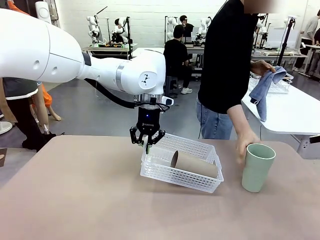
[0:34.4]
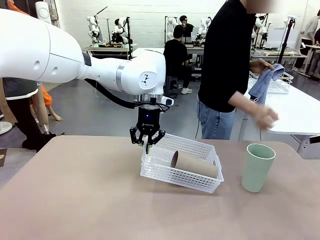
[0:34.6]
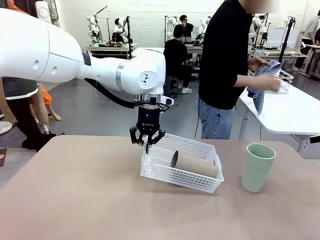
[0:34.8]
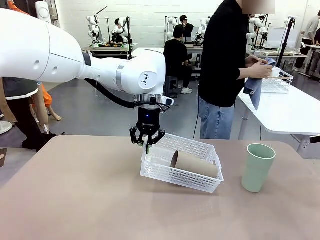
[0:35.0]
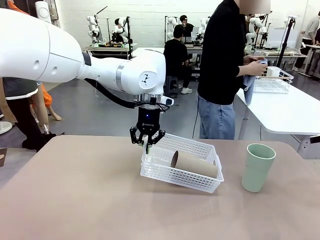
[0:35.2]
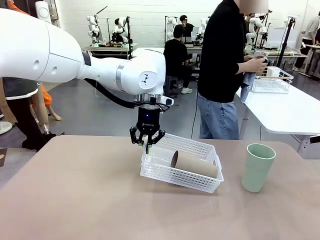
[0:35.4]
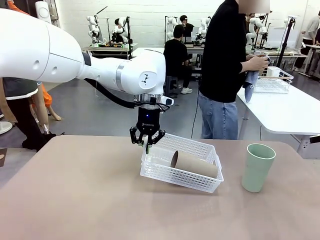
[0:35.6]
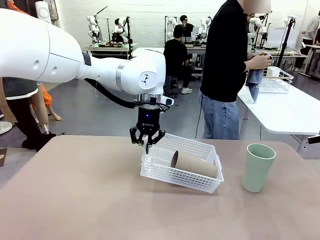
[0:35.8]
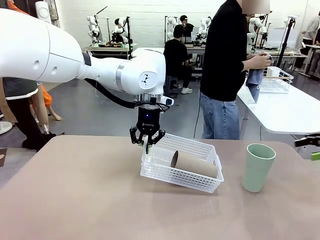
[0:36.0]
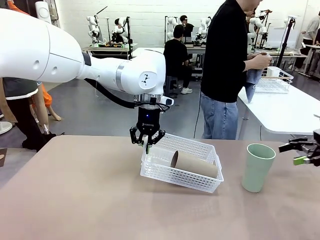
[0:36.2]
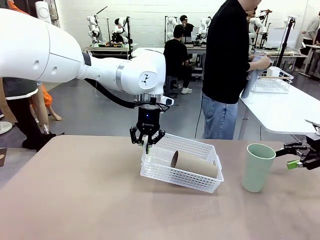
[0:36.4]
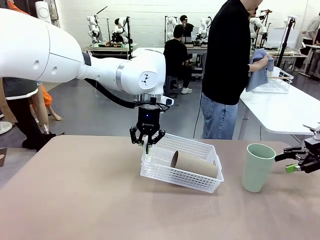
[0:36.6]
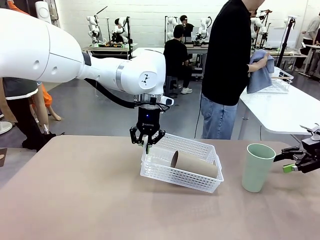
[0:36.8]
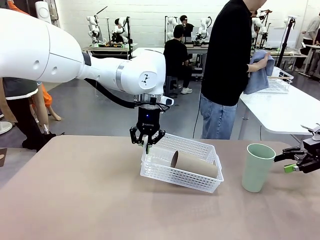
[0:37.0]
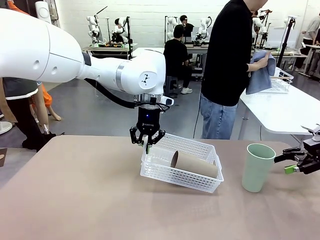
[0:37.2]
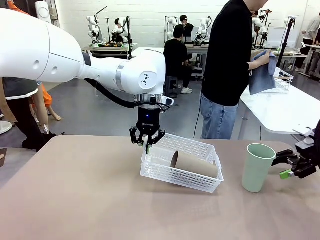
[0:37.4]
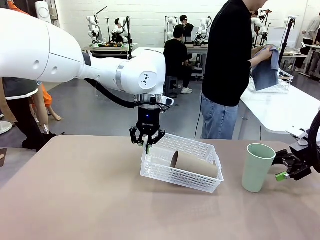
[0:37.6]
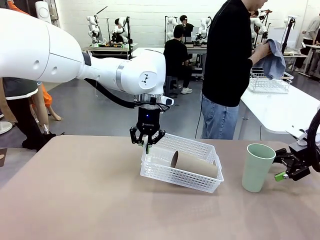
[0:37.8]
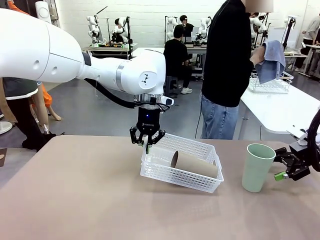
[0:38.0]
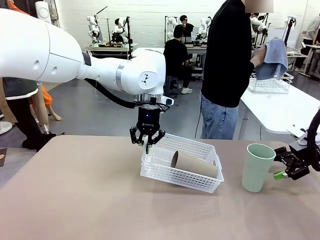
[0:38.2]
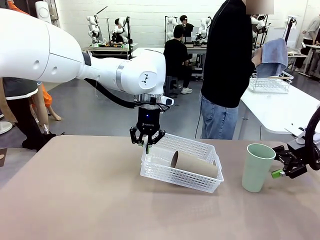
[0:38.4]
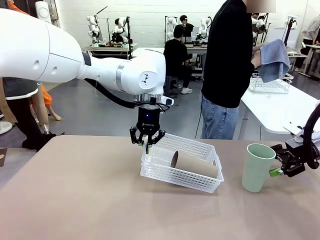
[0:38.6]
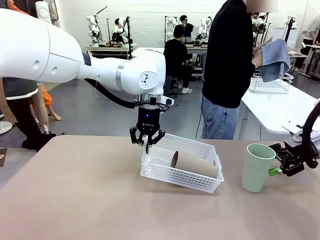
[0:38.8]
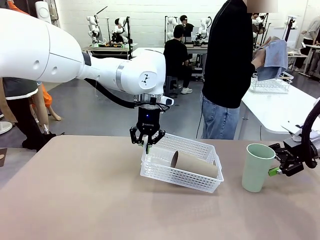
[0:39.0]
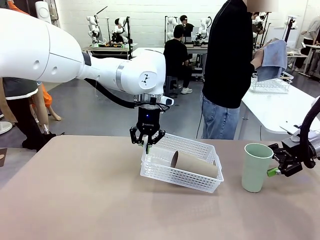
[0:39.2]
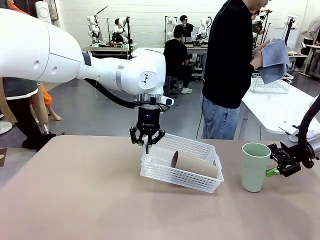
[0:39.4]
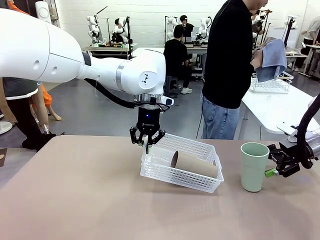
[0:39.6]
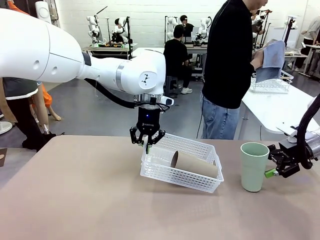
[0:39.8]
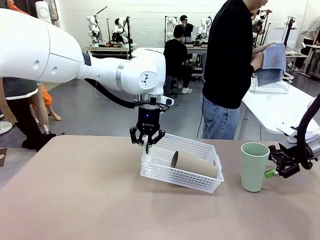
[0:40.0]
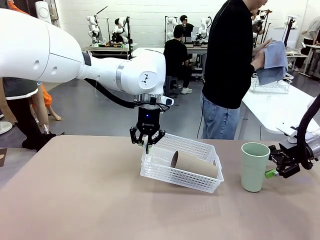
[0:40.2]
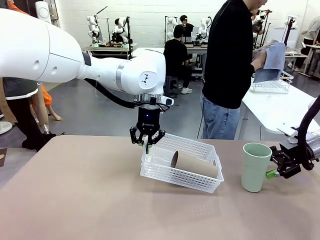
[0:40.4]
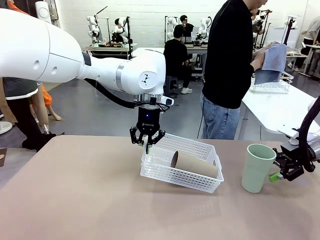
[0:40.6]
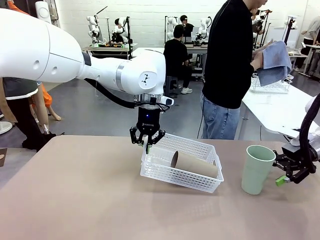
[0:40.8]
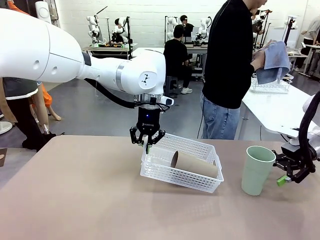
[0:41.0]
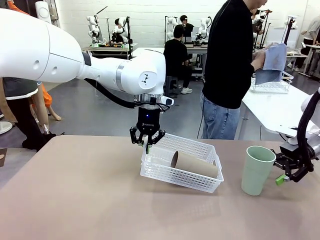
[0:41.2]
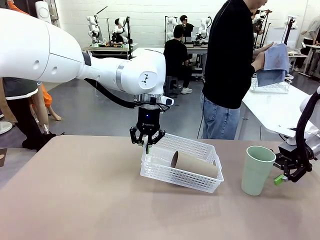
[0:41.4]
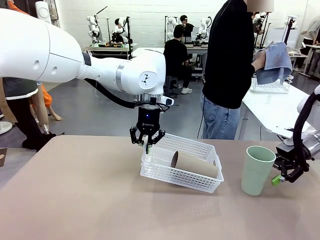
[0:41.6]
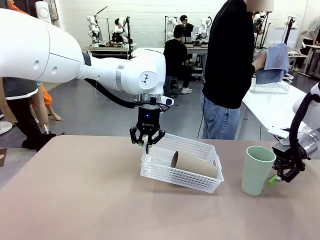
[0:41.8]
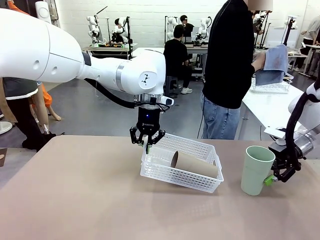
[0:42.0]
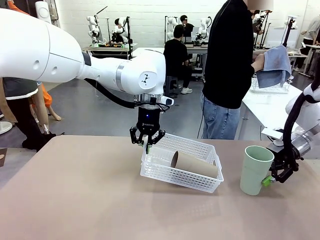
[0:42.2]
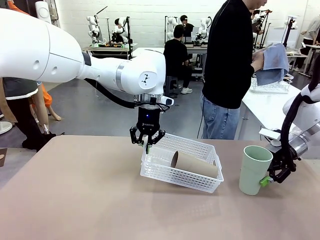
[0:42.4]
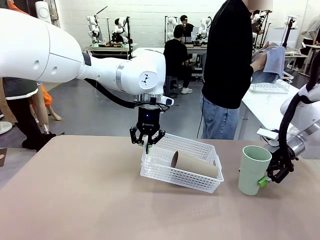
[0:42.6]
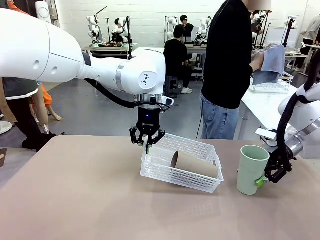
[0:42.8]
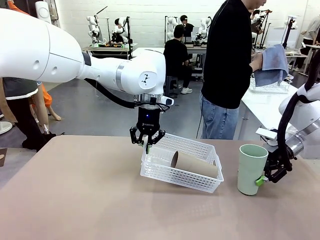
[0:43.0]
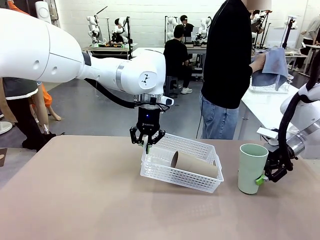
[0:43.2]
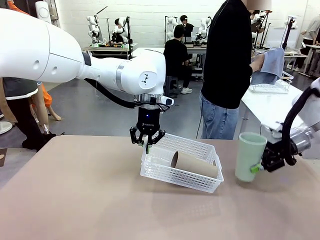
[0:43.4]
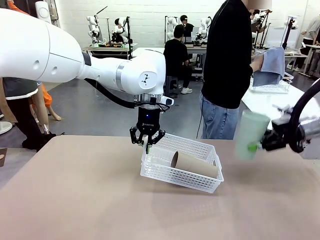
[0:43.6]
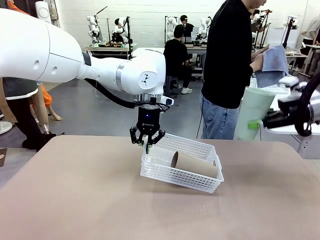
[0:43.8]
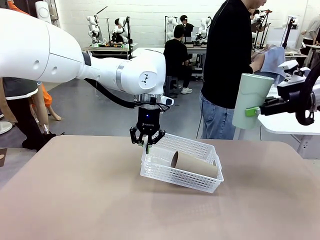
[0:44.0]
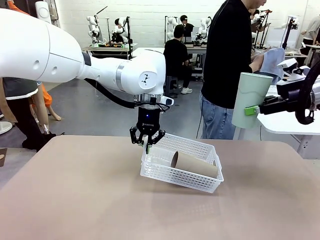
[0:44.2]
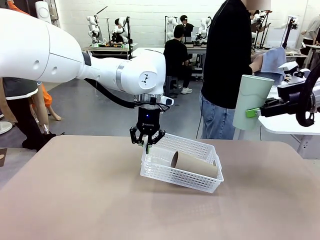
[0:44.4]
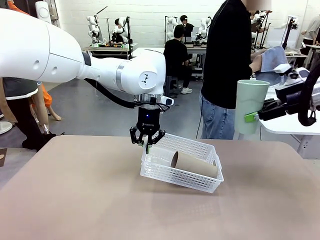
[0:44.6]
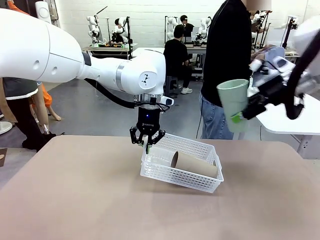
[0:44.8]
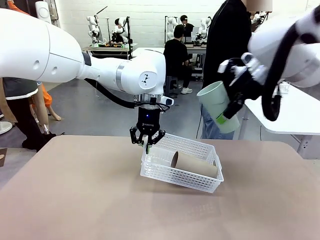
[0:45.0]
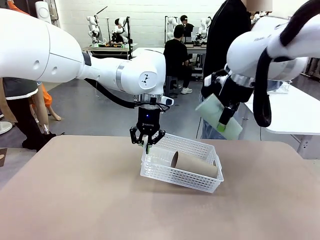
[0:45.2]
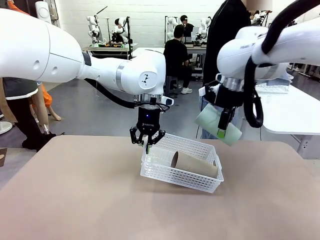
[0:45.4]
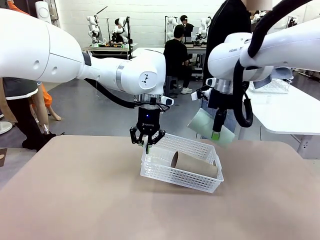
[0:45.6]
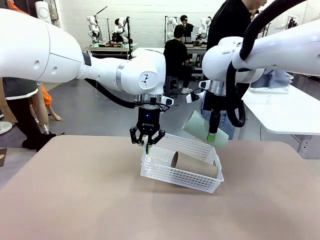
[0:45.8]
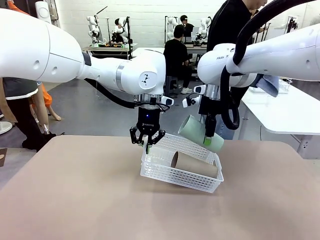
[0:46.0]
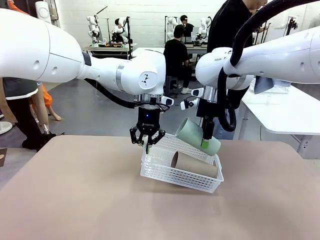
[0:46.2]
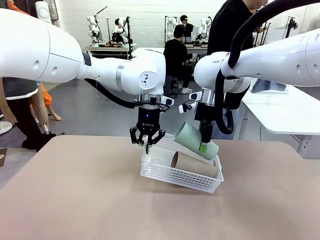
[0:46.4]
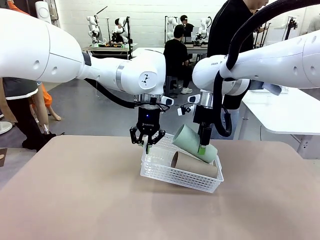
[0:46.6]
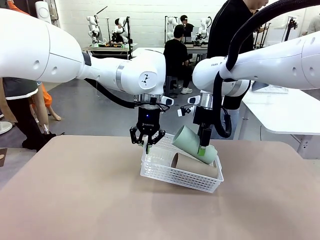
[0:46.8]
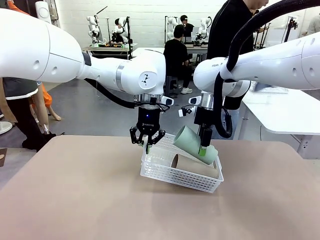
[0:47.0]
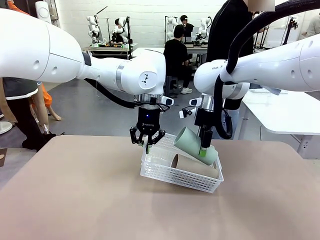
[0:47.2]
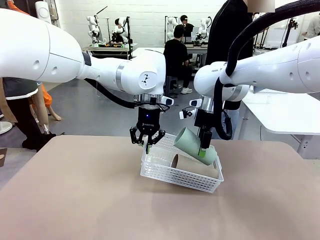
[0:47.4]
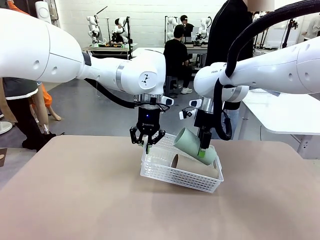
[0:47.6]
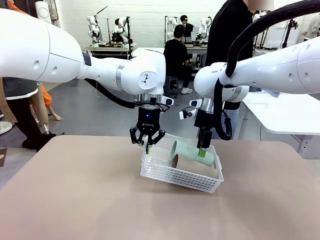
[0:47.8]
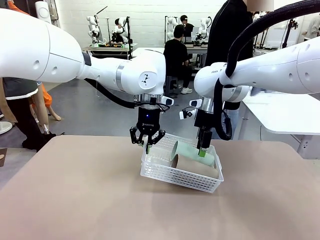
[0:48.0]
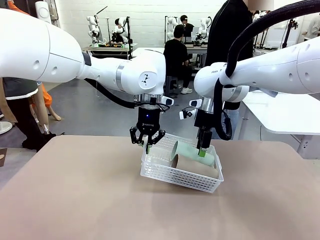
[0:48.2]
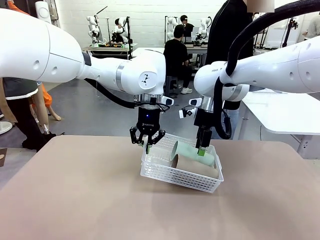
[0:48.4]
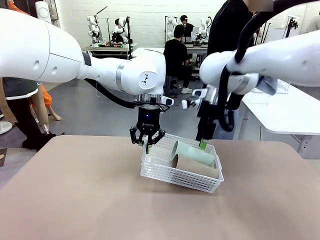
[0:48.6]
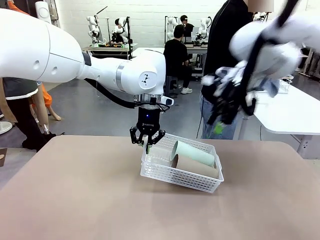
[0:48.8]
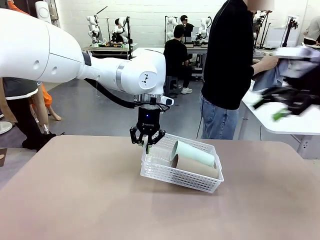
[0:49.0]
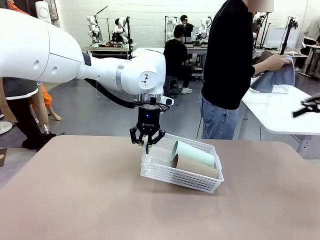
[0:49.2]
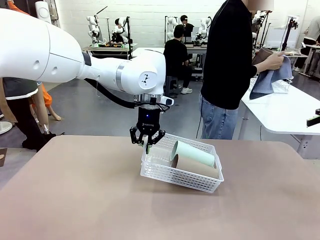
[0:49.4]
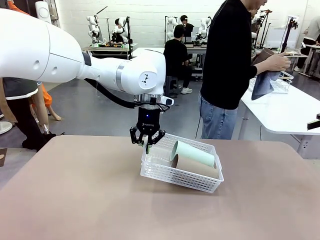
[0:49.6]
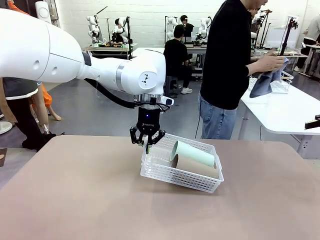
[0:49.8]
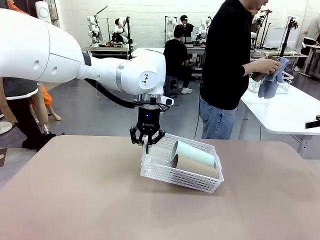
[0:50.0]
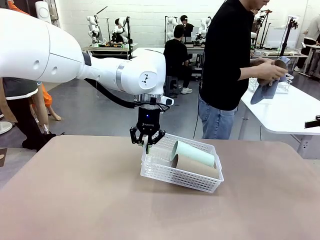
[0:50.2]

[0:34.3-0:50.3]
Task: Clean and organize the cups into the basket.
Robot: Pick up the Reusable plastic cup from the right side of the table and stack it inside the Organizing basket in the center of the table.

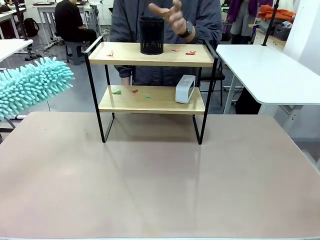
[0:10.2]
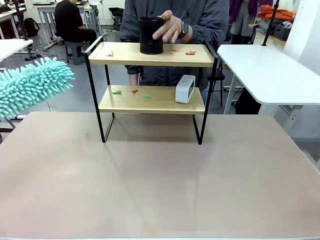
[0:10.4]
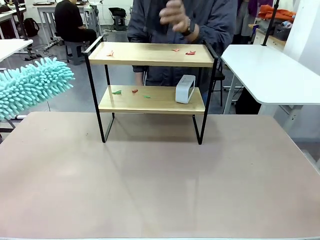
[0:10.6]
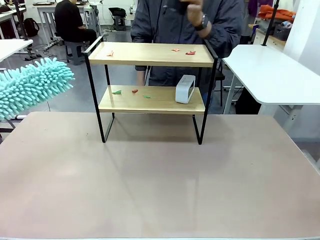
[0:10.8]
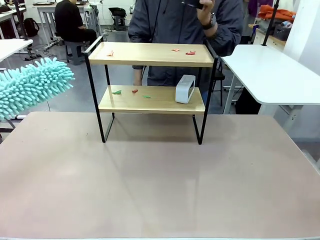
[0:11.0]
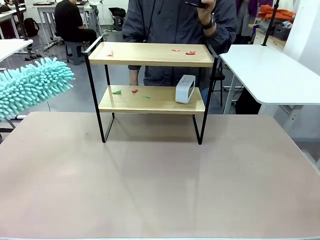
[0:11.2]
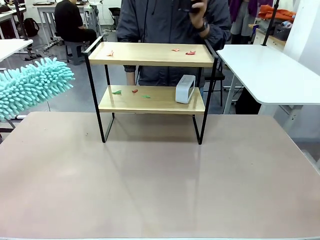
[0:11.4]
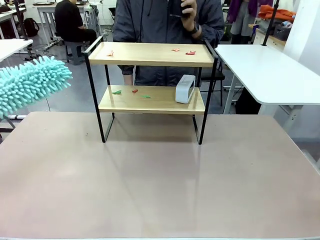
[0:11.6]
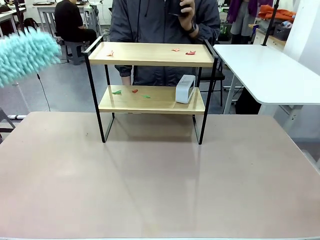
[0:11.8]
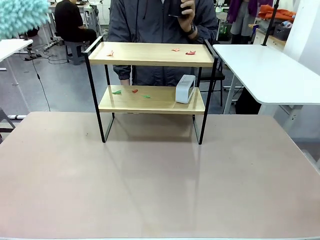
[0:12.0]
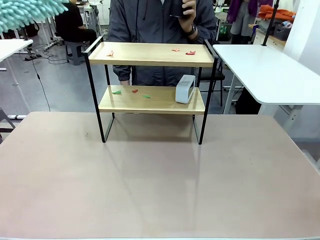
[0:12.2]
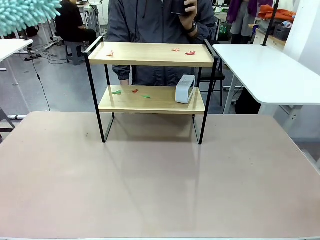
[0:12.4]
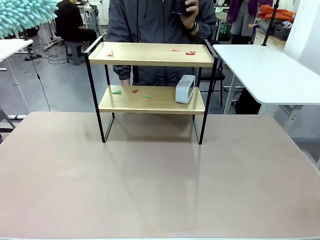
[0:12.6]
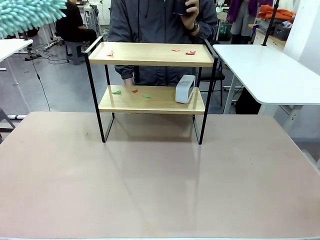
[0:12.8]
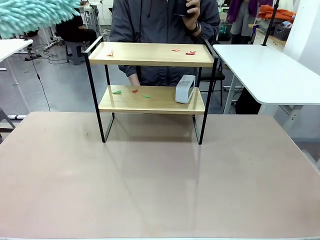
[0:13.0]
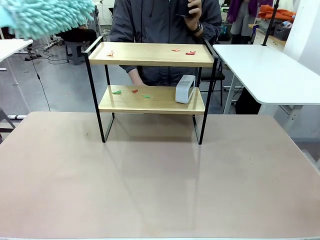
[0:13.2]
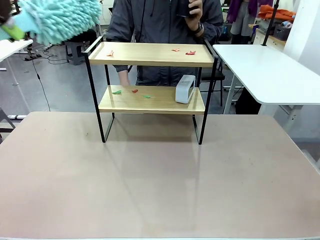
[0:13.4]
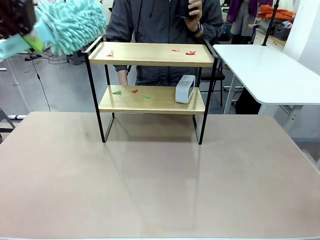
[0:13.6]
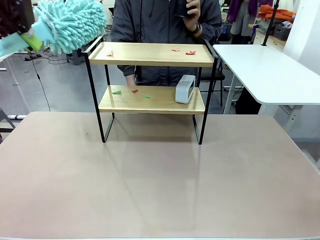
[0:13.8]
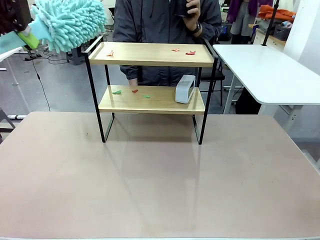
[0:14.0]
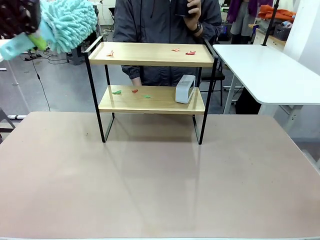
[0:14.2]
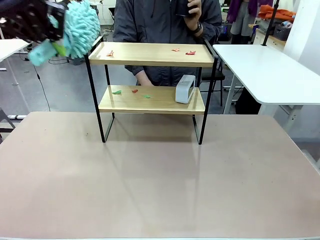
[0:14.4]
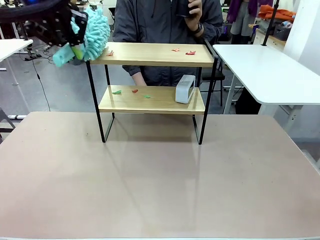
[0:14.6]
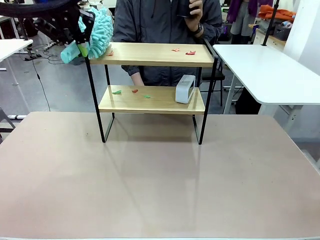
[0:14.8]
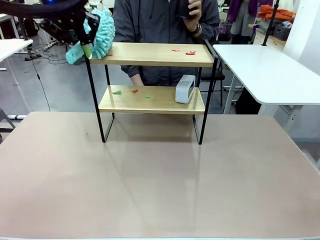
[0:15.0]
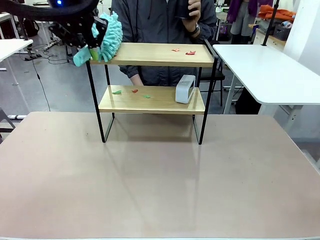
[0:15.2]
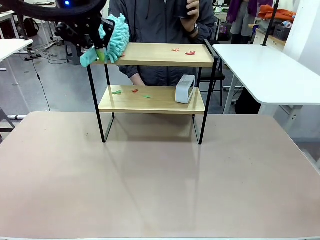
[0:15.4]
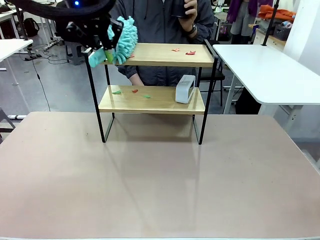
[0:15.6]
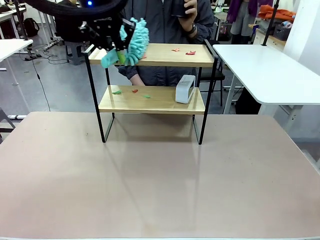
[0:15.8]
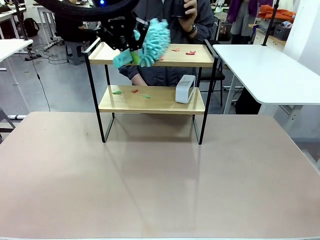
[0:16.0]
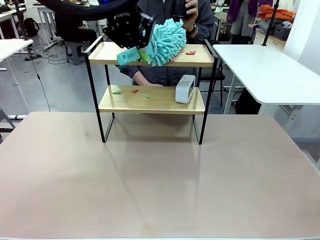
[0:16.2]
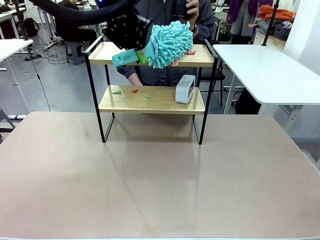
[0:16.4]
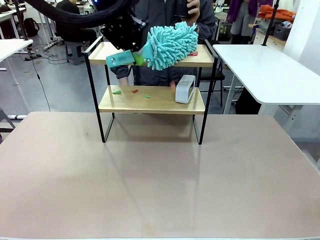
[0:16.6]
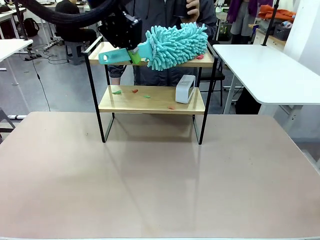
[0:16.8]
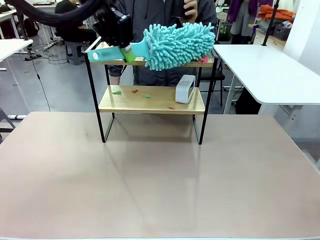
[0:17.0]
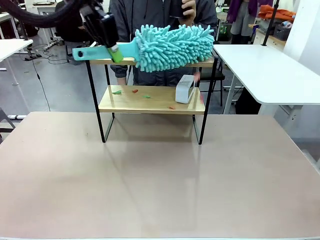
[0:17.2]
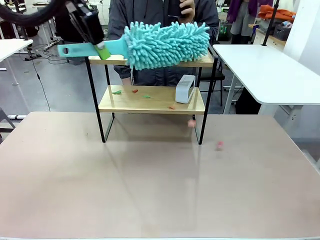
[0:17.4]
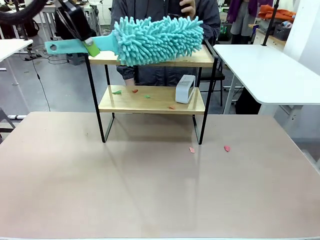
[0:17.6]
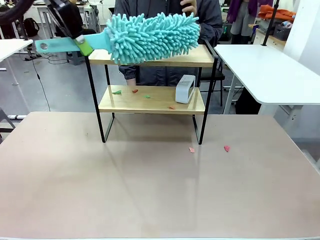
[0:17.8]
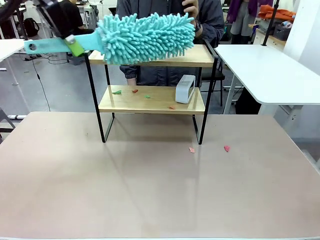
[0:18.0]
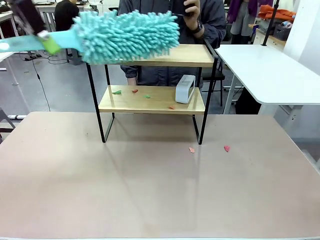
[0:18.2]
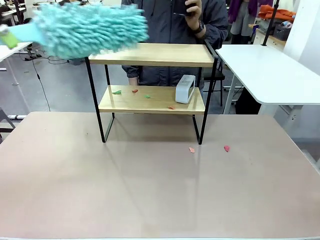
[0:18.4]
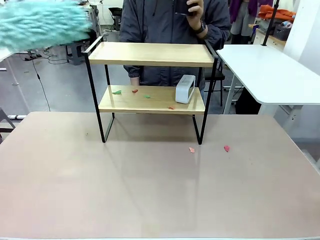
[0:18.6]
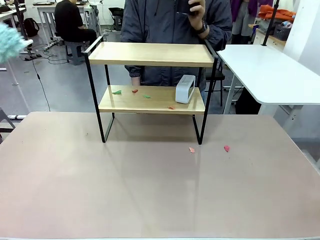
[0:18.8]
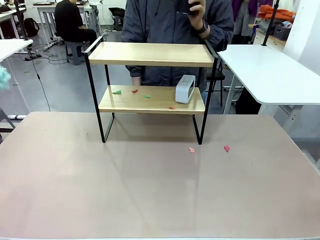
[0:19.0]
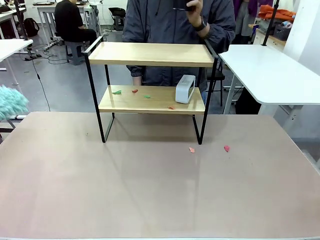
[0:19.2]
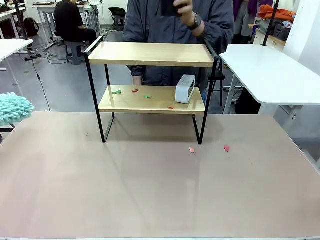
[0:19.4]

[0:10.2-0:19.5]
Task: Clean the shelf.
Robot: Clean the specific tier of the Shelf with the Duster once objects are removed.
Person: Lift the objects on a randomly selected tier of the Shelf. Once the robot finishes cleaning, lift the objects on the remaining tiers of the Shelf.
